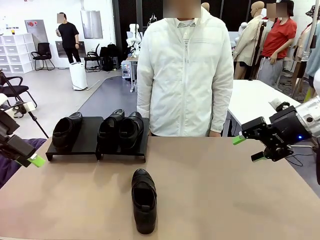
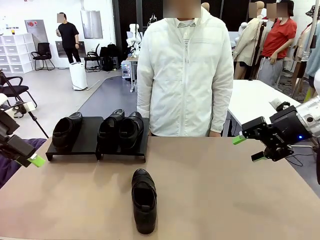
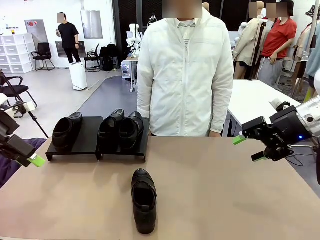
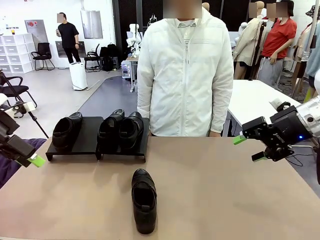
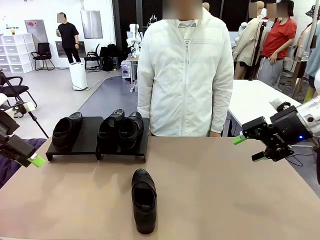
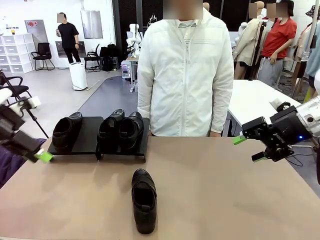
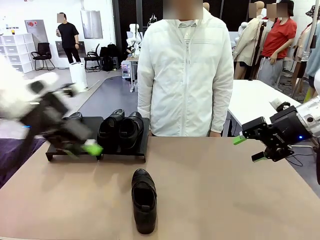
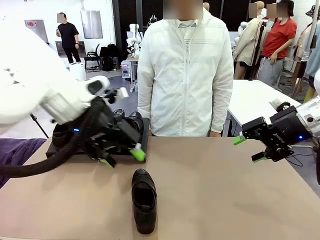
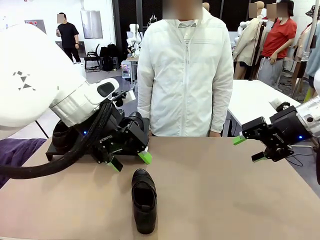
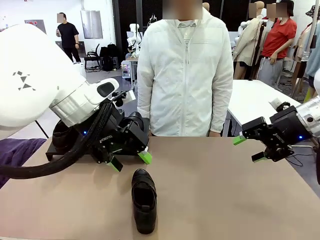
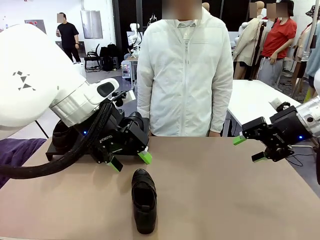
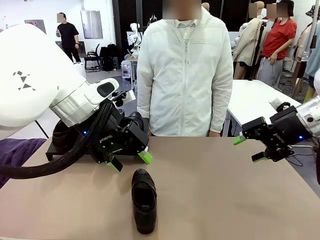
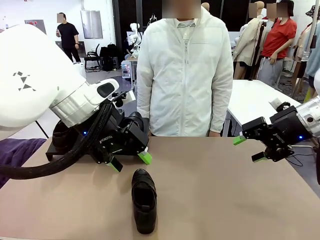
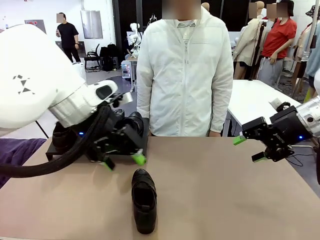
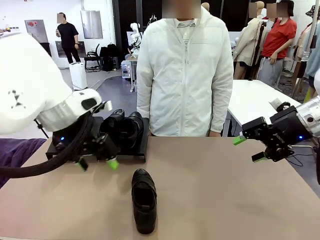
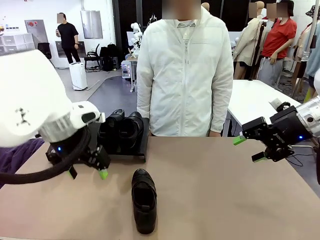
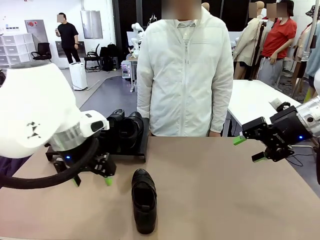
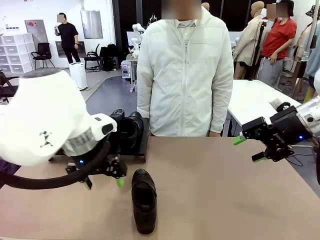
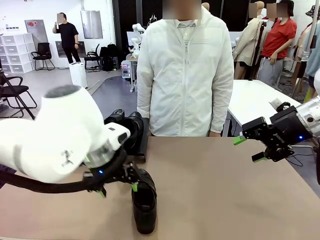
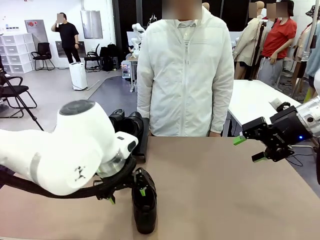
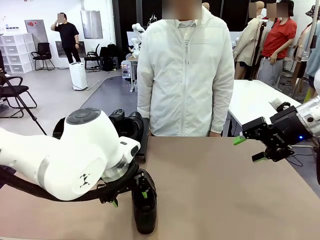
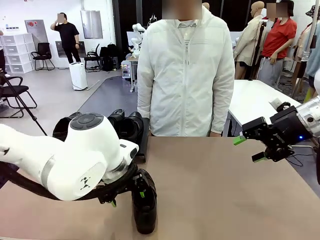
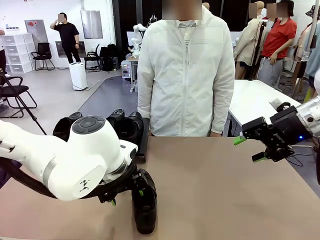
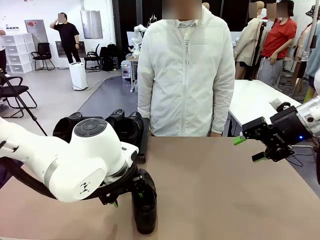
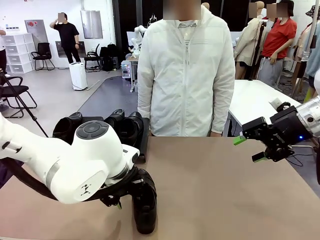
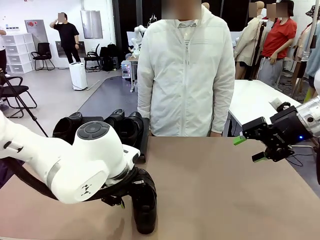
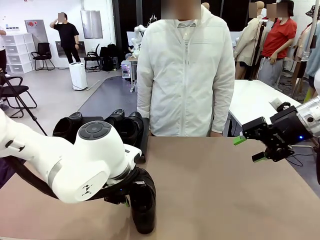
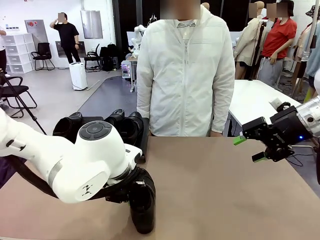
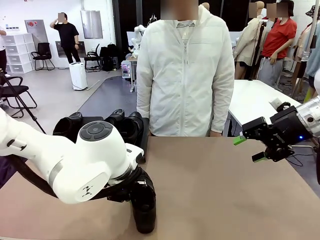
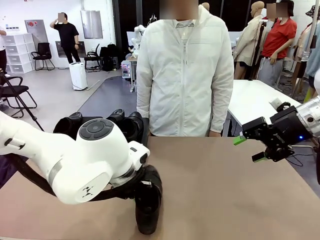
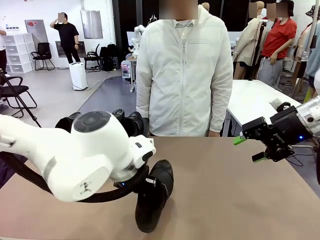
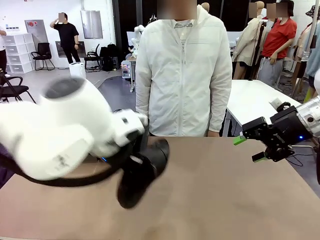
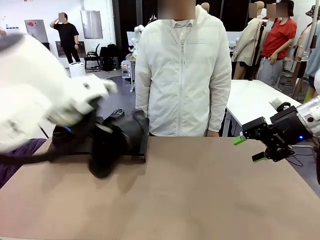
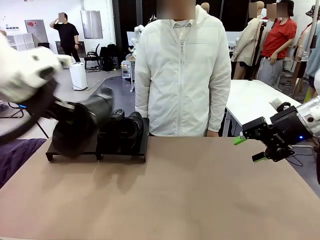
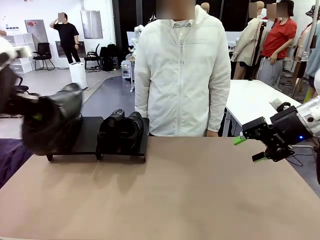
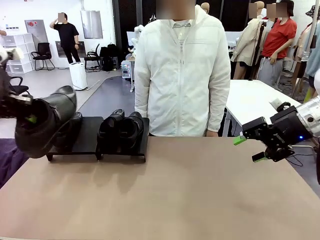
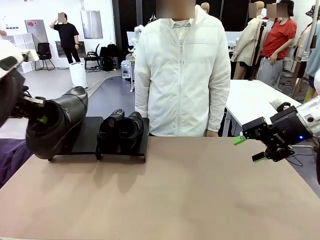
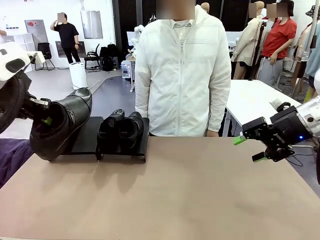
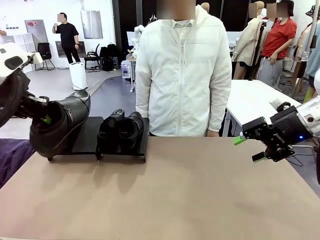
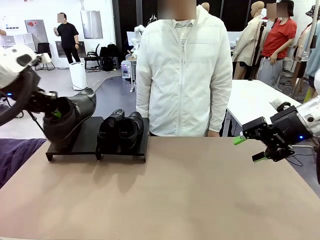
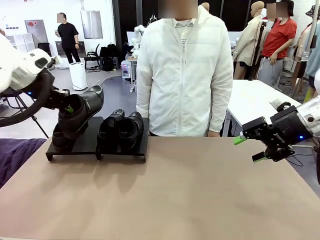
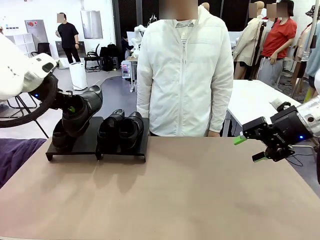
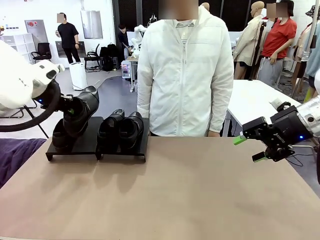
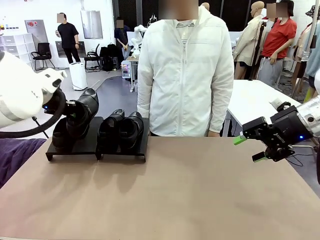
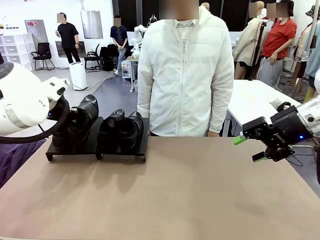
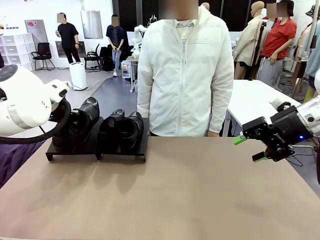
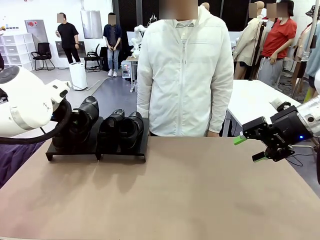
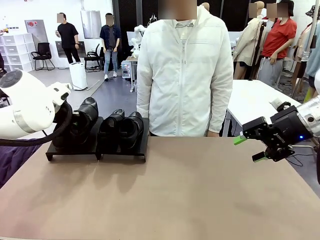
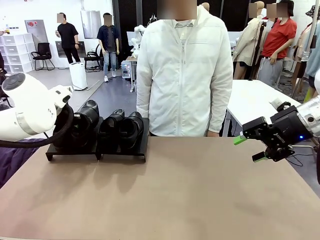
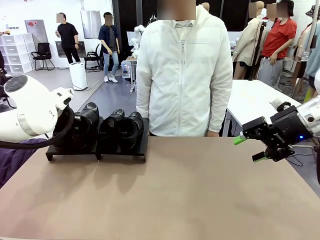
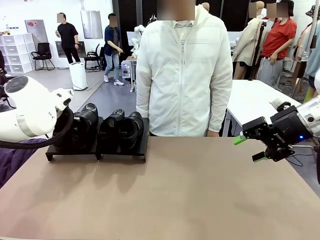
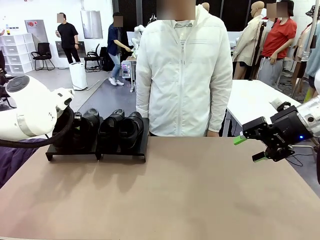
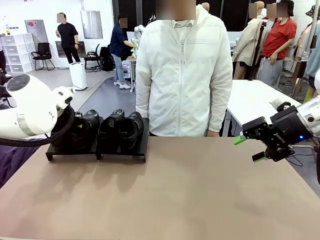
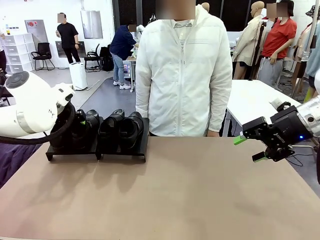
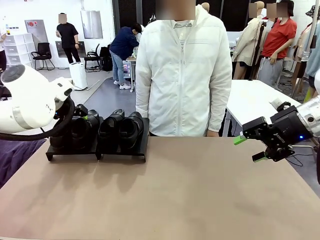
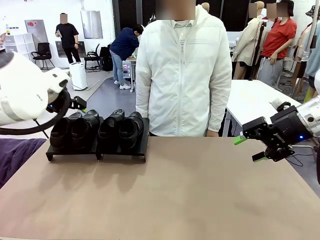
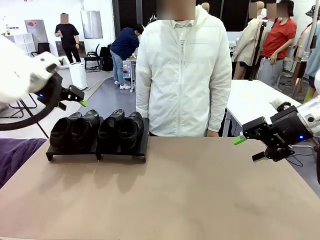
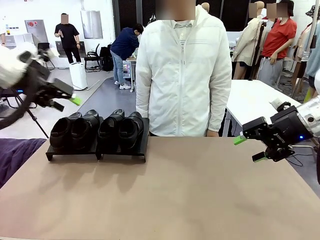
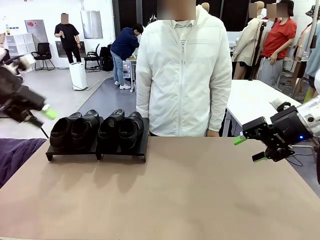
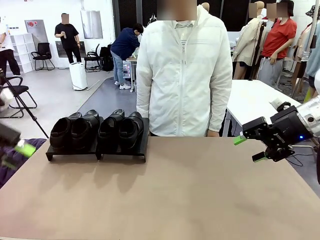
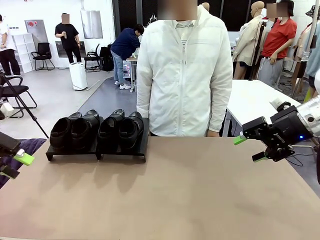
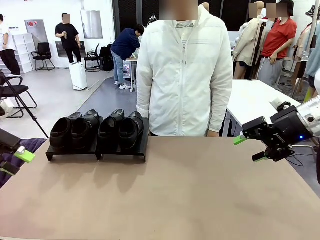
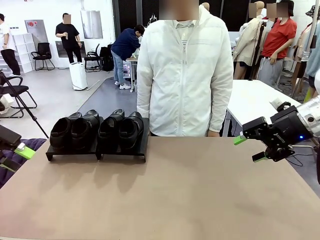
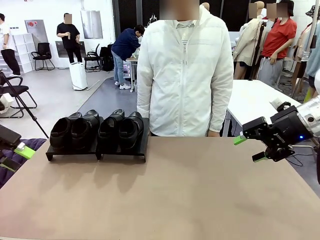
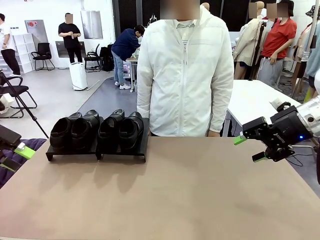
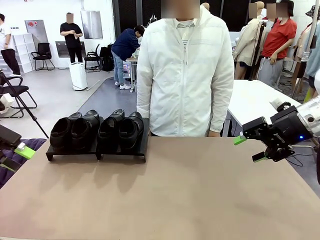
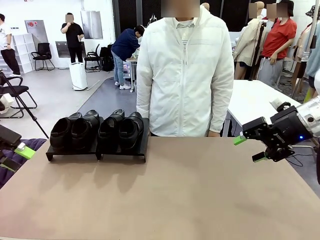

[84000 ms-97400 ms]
Task: Organize the shoes by placing them on the stand.
Robot: Place the Shoe from the middle of the table onto the Shoes Stand.

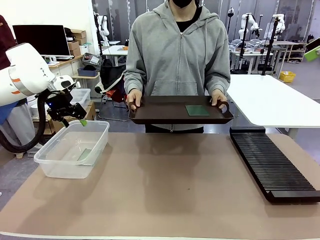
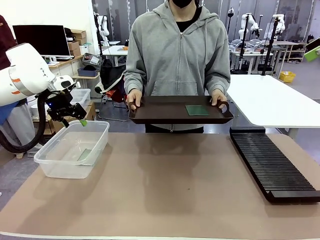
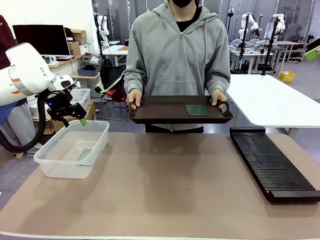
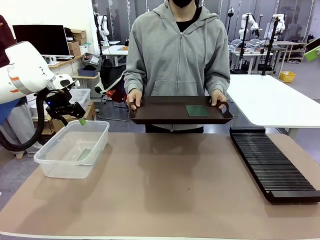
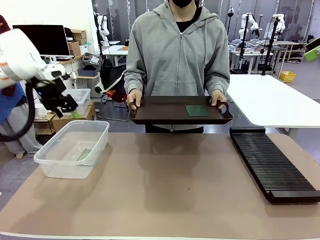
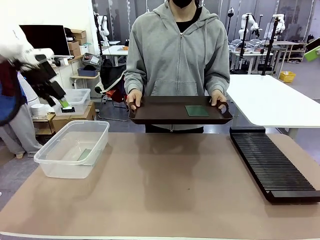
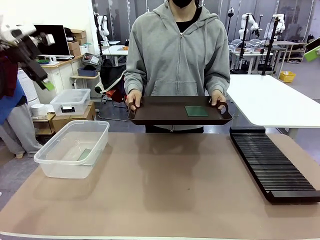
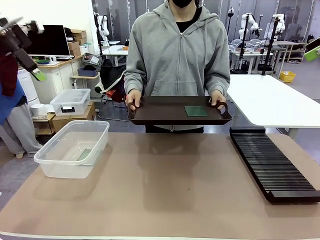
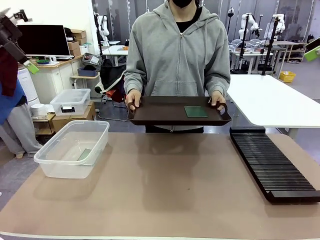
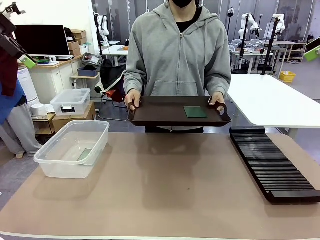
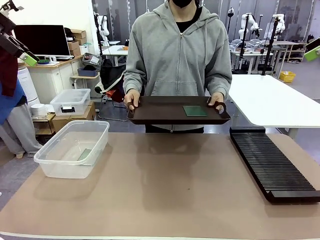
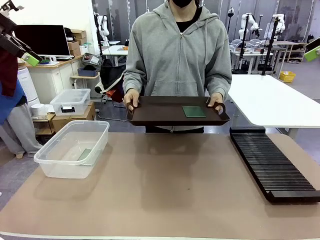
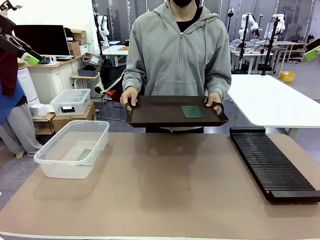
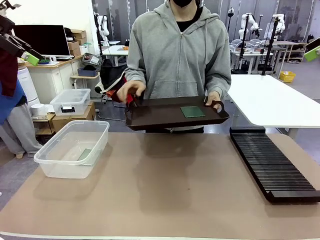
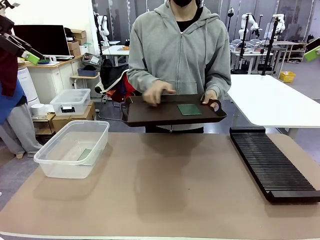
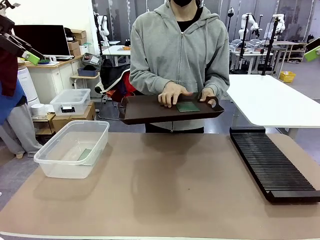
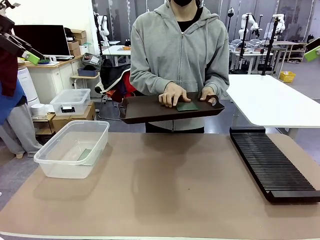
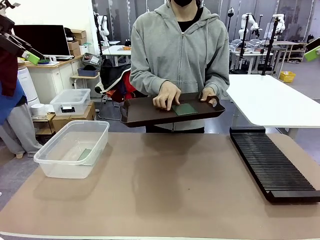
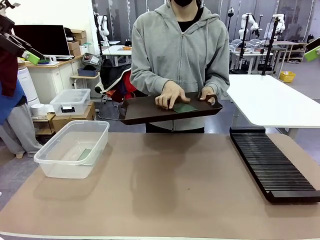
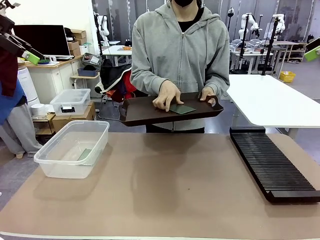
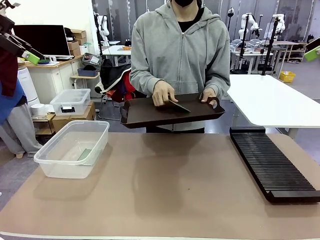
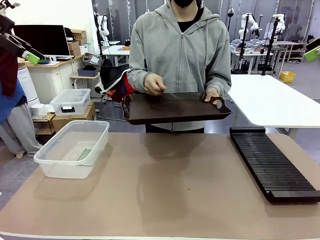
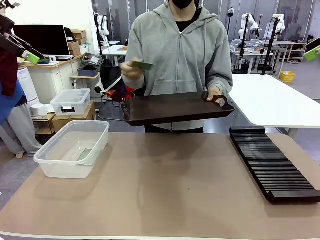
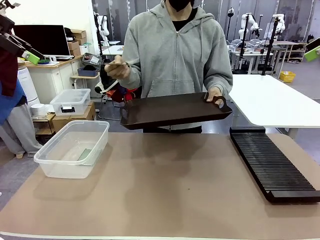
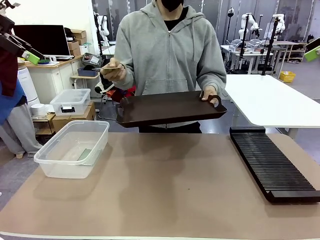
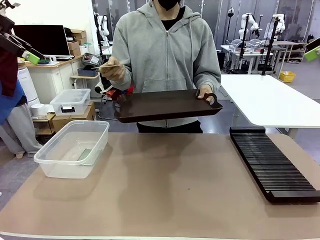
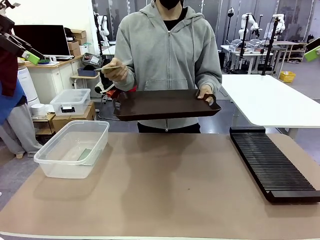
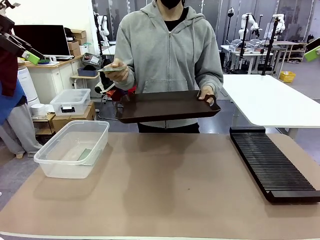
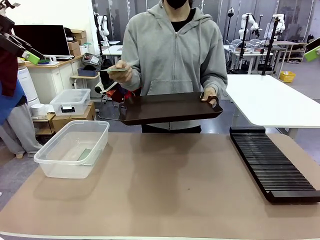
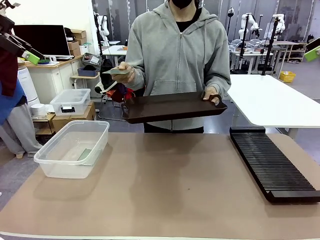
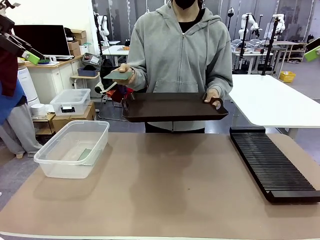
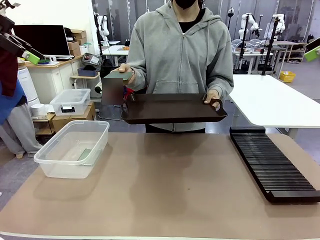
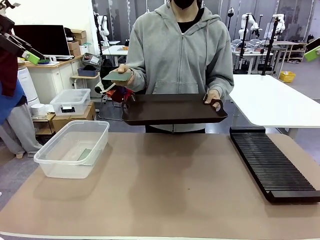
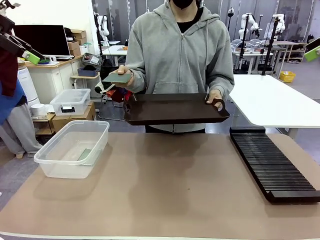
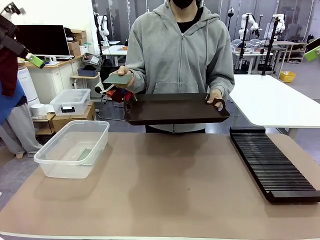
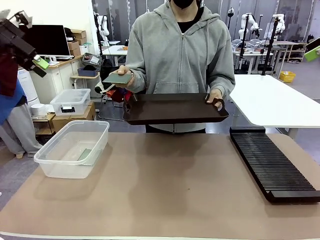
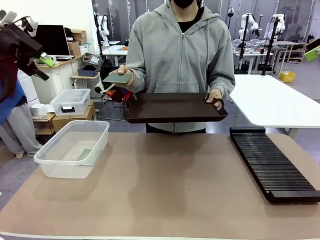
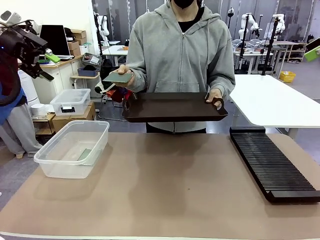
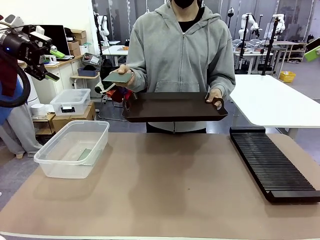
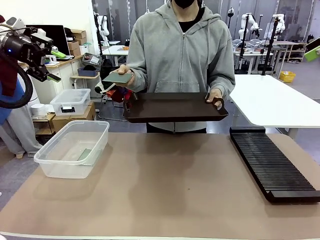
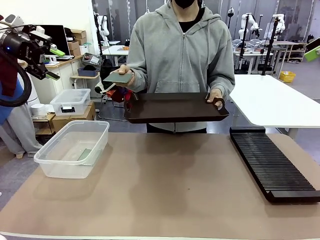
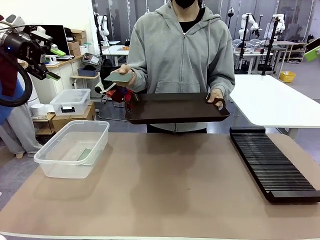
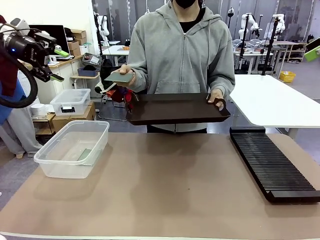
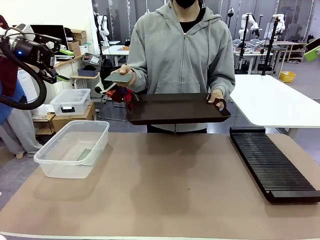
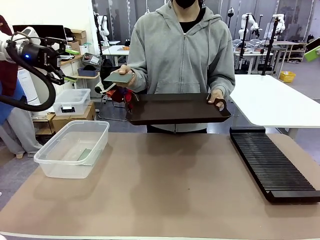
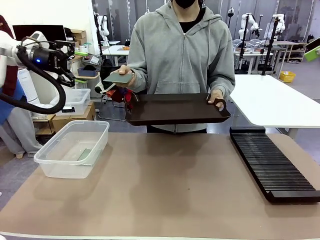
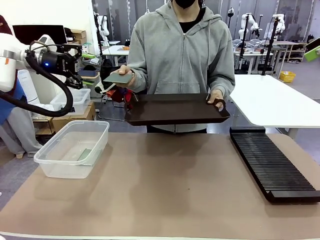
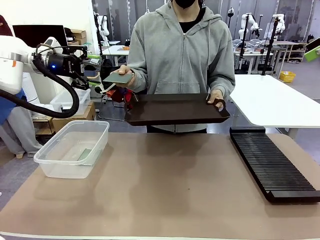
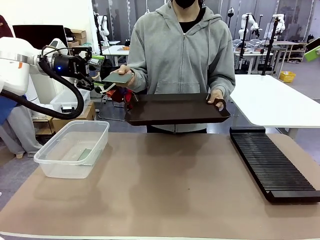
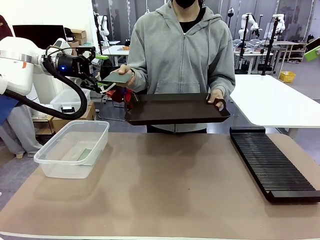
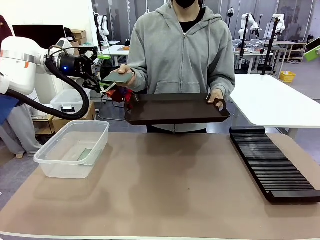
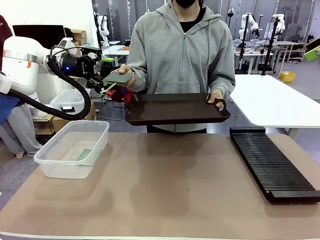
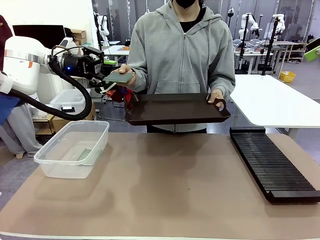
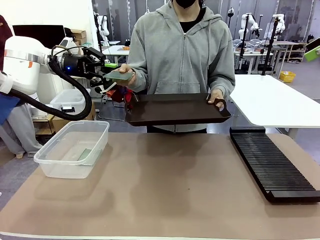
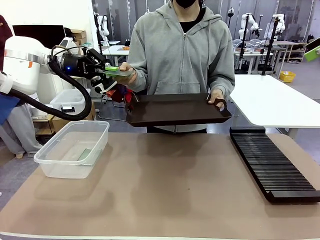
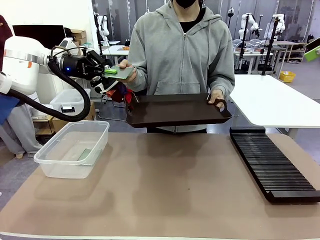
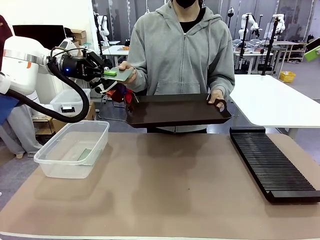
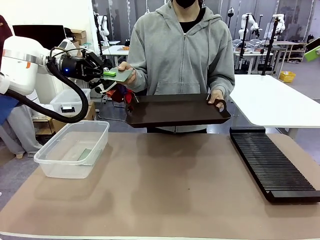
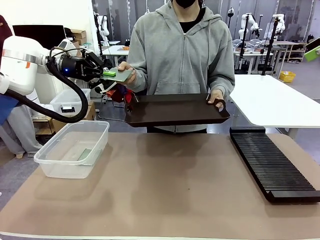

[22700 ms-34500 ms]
Task: Sort PCBs into racks and boxes based on the side picked up.
Robot: Pick up the Blank PCB handed by the Human.
